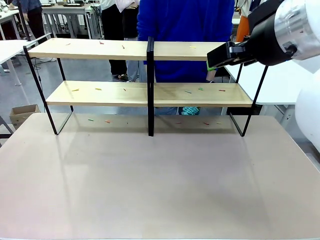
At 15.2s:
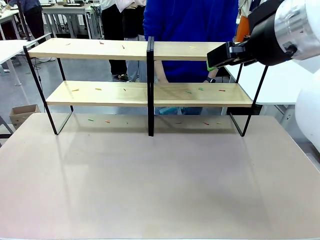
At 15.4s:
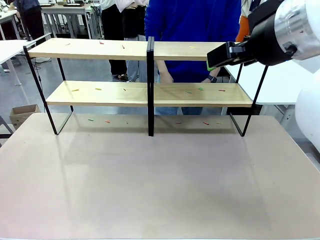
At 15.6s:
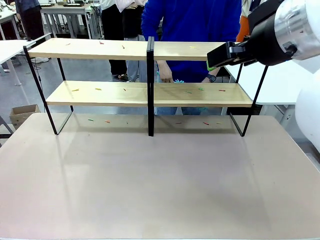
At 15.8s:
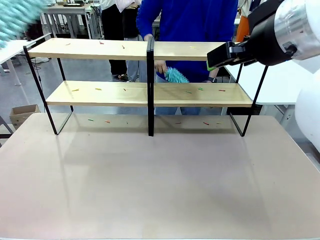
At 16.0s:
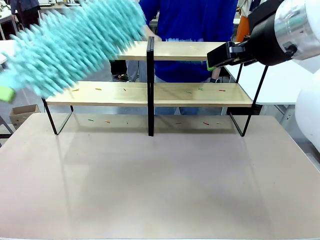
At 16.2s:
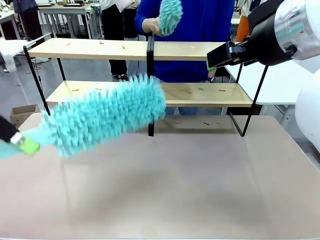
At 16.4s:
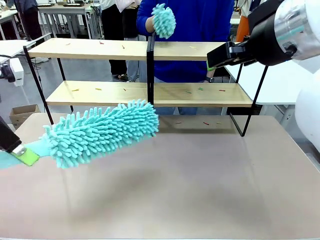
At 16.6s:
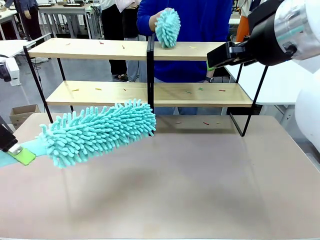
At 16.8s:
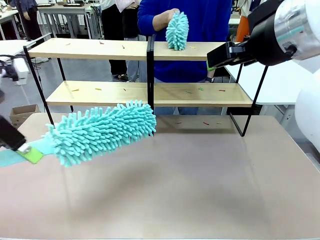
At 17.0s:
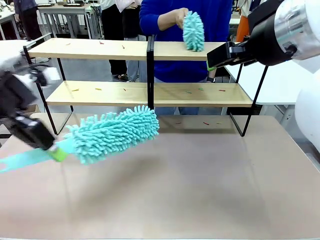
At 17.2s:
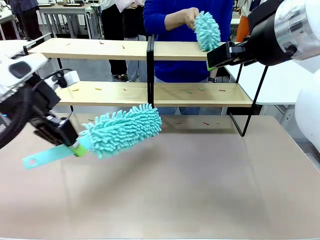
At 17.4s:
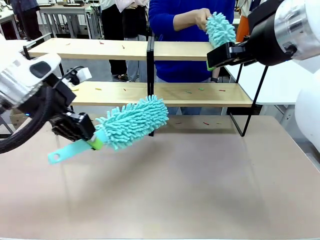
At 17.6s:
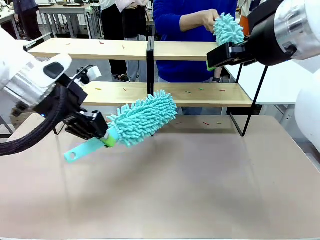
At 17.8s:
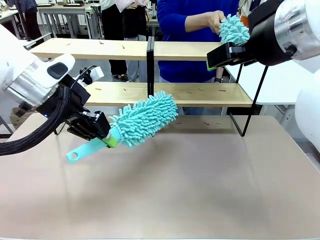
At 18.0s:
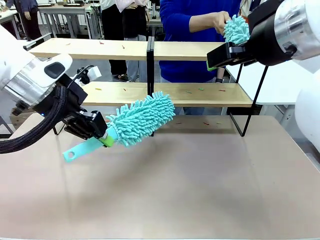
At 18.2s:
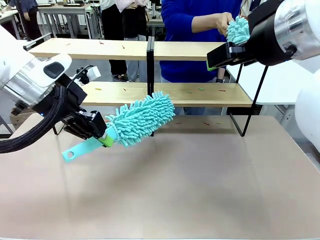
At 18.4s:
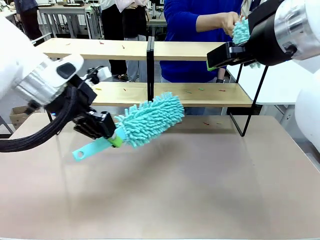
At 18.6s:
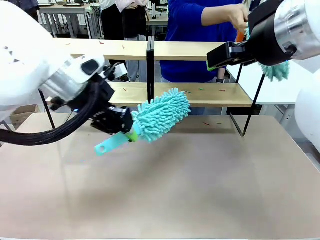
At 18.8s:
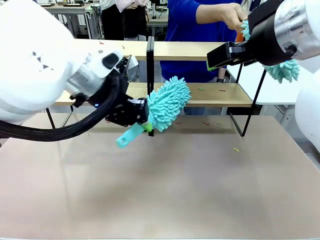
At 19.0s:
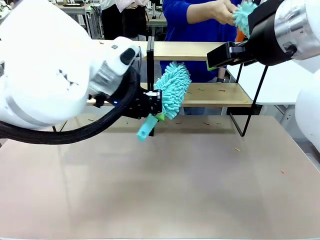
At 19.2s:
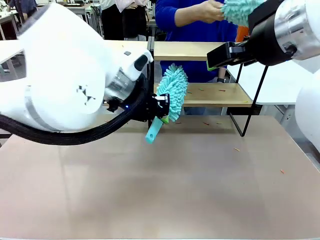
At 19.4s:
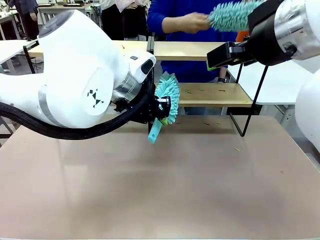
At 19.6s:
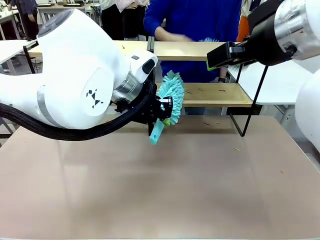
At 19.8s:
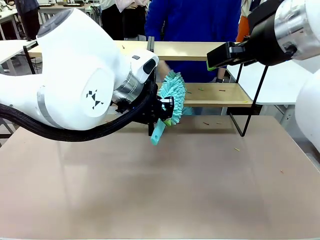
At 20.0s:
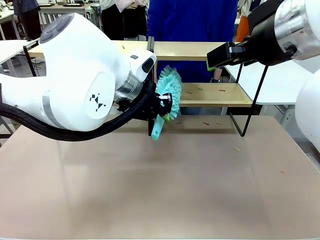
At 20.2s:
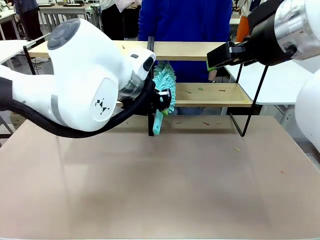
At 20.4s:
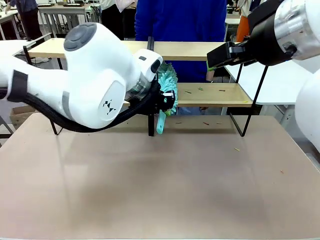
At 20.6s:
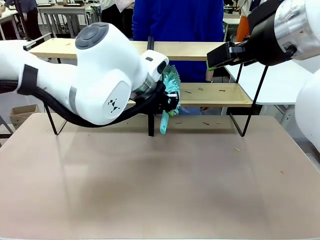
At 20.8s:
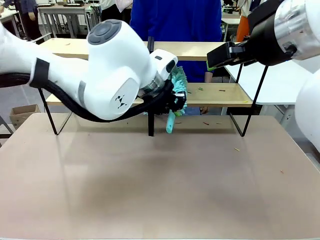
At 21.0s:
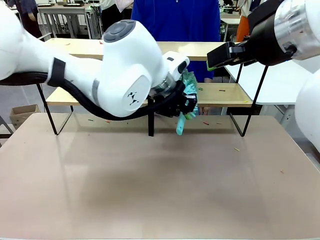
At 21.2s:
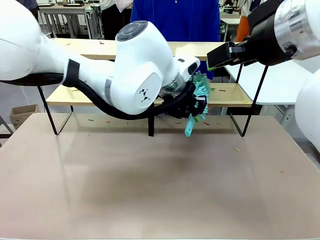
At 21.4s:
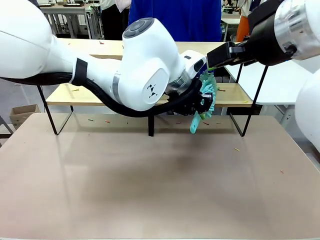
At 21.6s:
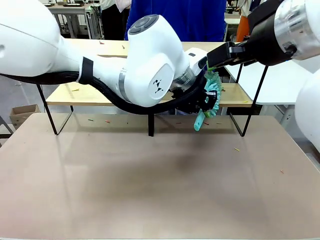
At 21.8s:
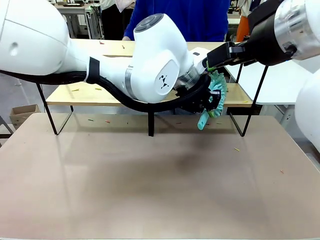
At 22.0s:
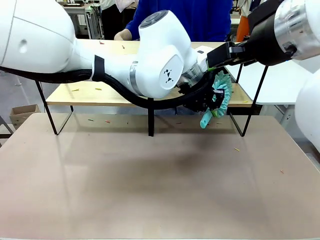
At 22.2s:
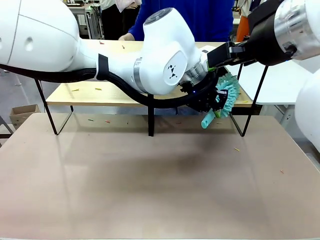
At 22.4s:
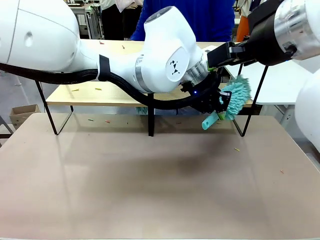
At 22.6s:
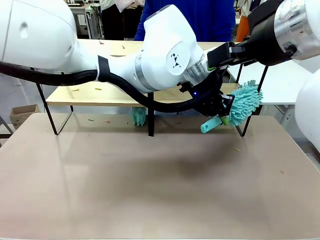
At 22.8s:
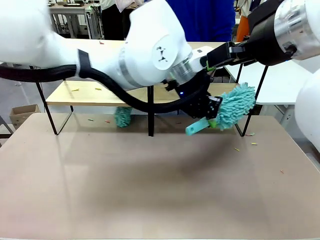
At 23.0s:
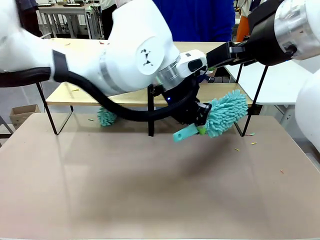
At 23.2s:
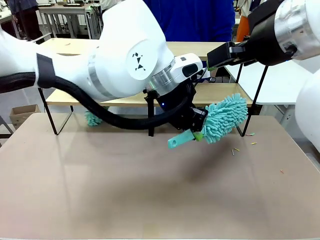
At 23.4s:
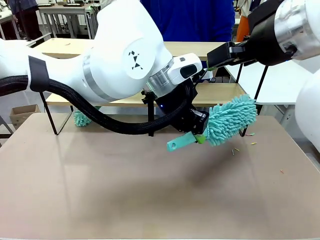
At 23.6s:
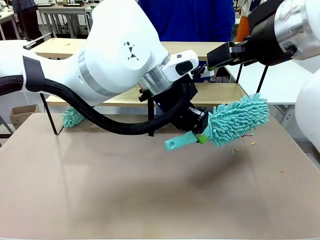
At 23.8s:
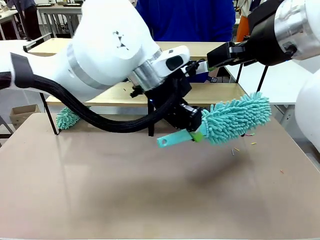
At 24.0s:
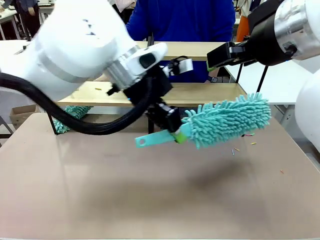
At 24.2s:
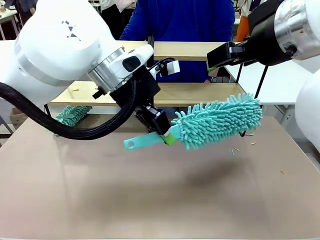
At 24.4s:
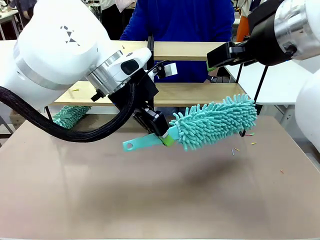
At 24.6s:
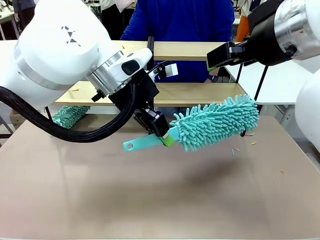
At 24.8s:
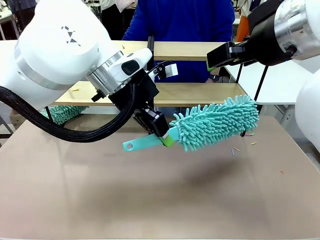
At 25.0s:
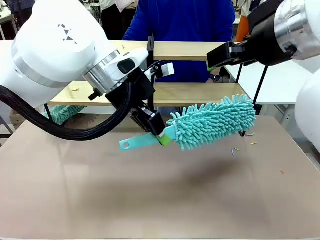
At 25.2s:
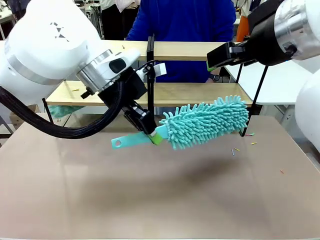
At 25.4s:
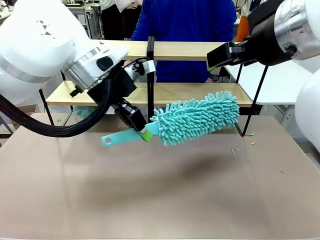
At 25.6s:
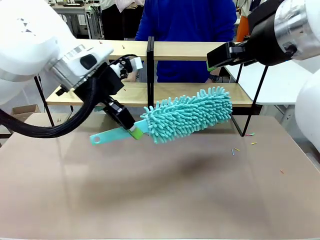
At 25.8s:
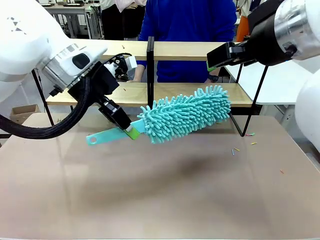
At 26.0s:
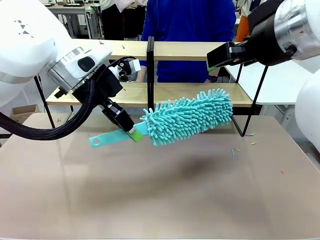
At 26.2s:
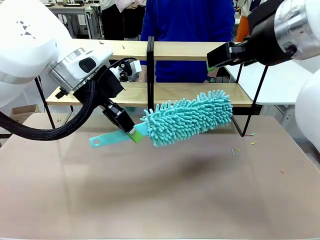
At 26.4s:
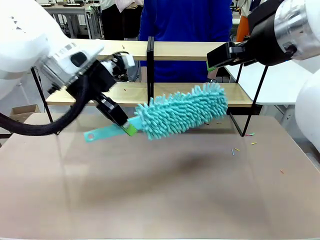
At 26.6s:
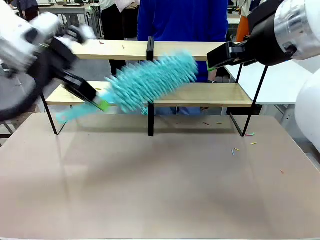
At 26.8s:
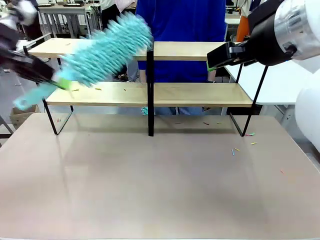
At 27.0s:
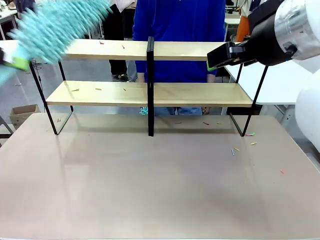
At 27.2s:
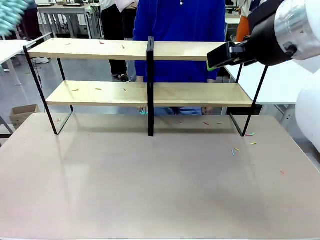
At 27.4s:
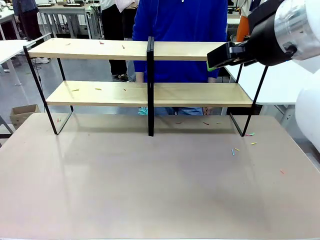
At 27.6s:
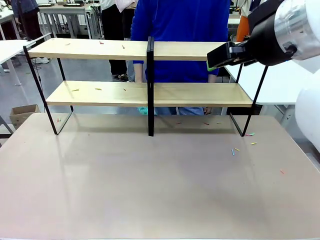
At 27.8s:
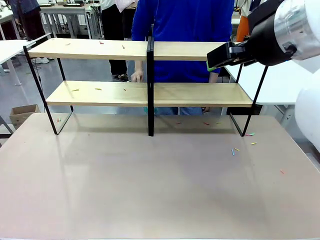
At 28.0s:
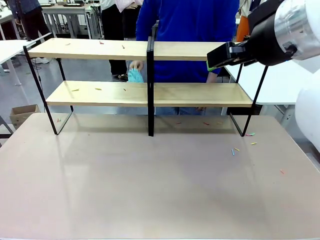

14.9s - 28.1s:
Task: Clean the shelves.
Robot: Clean a randomly selected level of the Shelf with the Duster.

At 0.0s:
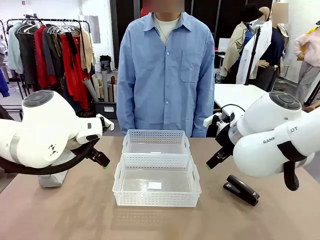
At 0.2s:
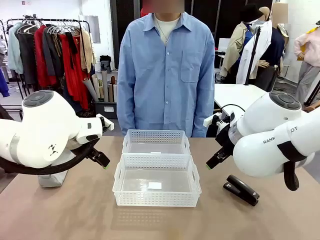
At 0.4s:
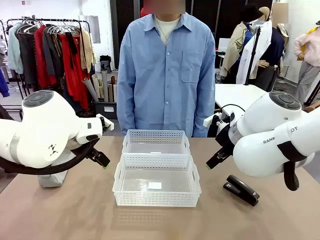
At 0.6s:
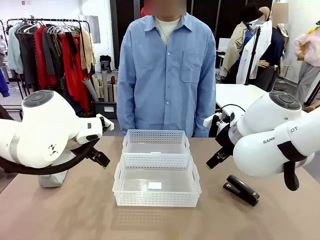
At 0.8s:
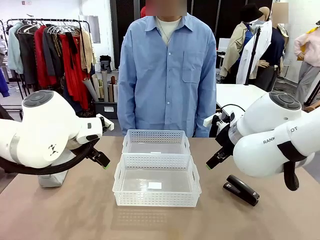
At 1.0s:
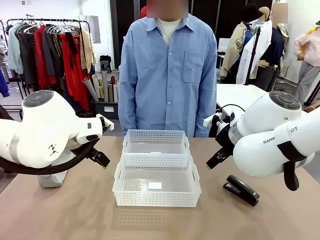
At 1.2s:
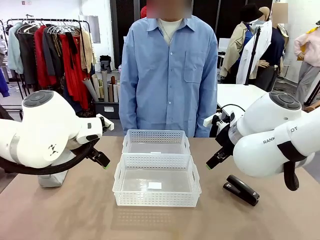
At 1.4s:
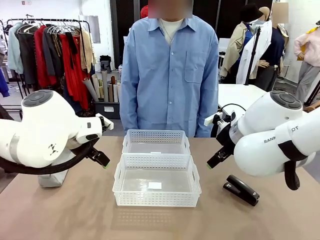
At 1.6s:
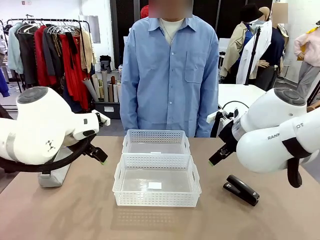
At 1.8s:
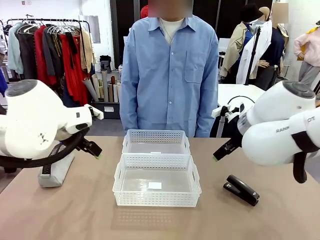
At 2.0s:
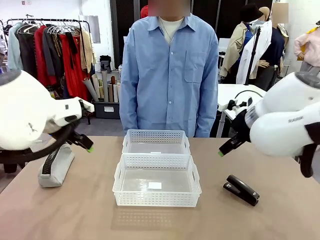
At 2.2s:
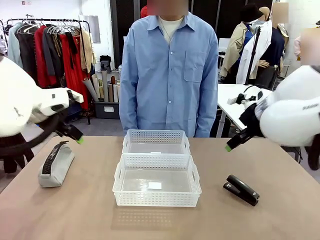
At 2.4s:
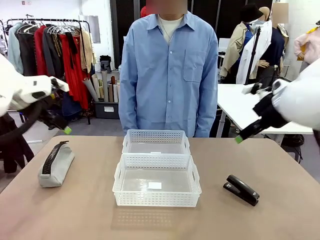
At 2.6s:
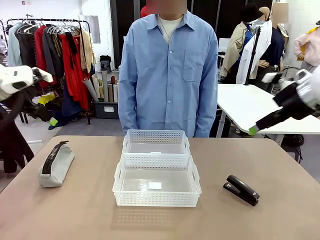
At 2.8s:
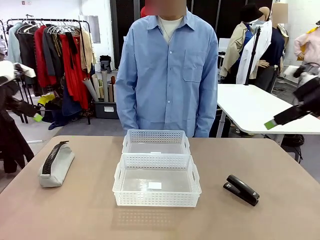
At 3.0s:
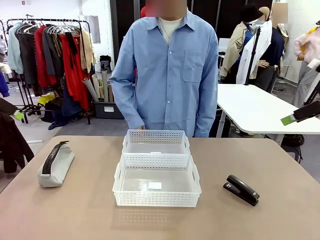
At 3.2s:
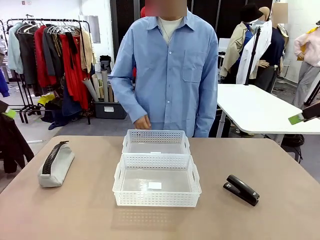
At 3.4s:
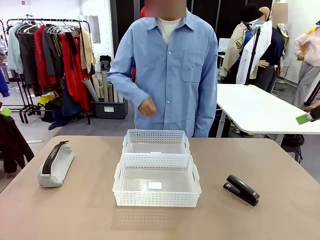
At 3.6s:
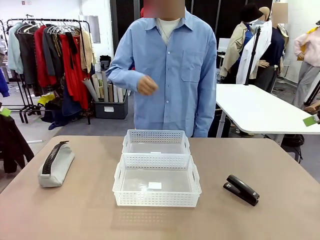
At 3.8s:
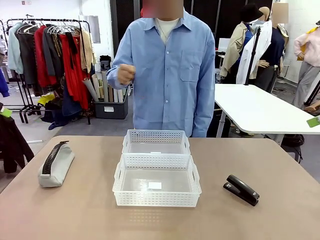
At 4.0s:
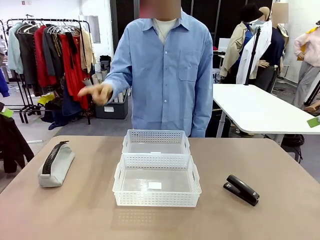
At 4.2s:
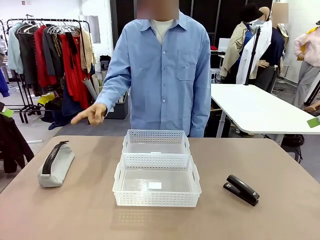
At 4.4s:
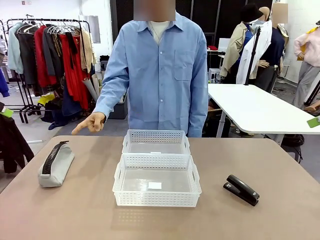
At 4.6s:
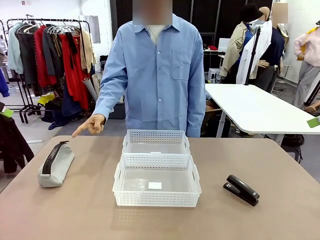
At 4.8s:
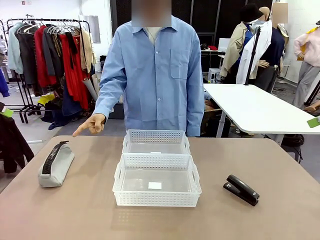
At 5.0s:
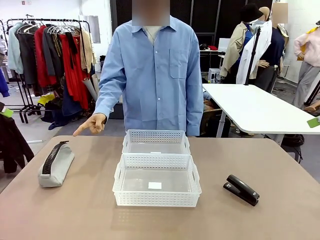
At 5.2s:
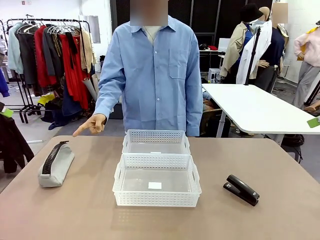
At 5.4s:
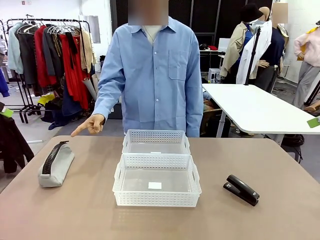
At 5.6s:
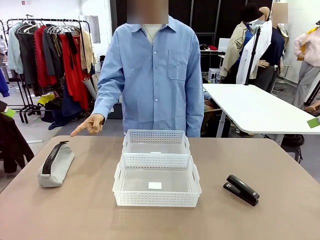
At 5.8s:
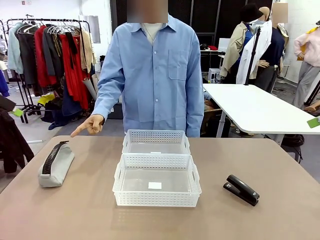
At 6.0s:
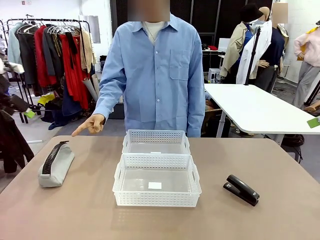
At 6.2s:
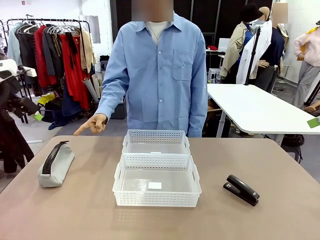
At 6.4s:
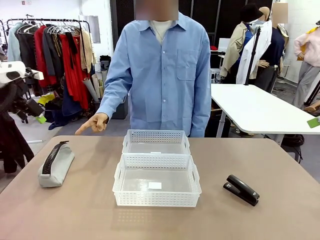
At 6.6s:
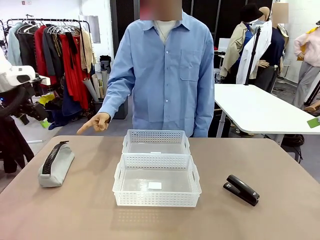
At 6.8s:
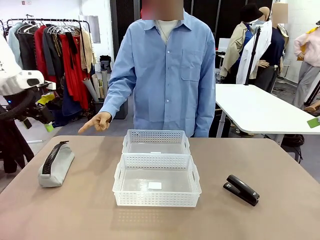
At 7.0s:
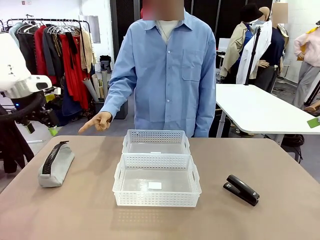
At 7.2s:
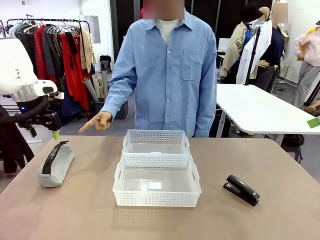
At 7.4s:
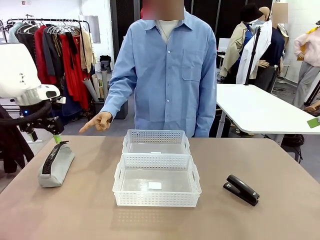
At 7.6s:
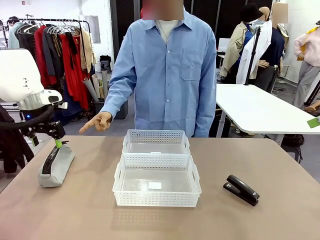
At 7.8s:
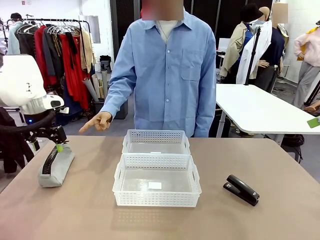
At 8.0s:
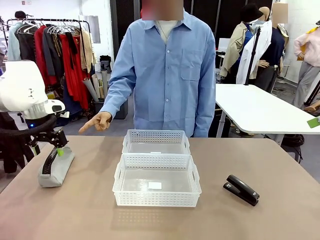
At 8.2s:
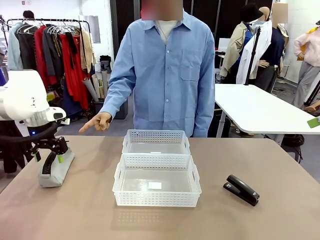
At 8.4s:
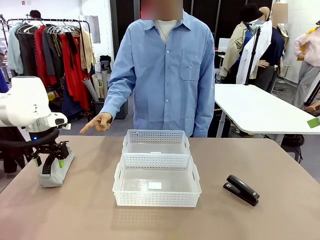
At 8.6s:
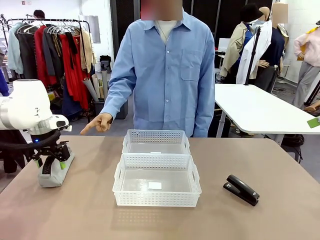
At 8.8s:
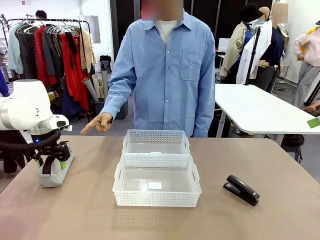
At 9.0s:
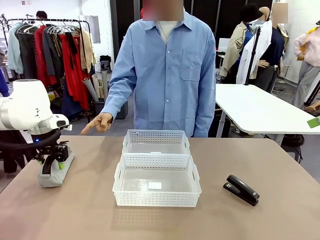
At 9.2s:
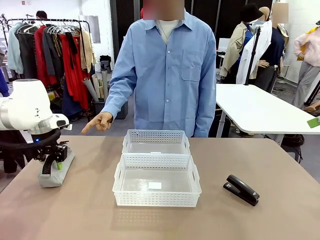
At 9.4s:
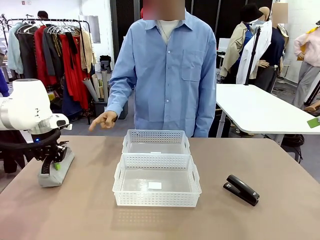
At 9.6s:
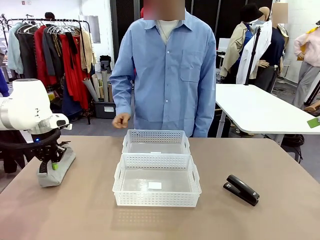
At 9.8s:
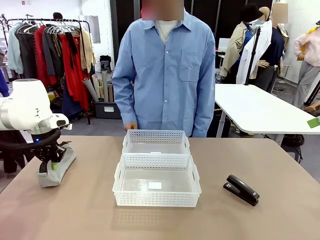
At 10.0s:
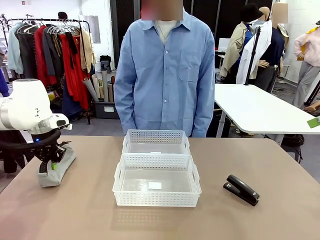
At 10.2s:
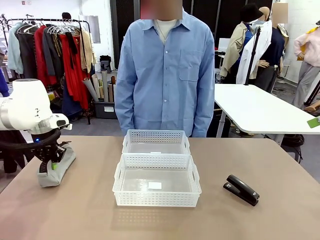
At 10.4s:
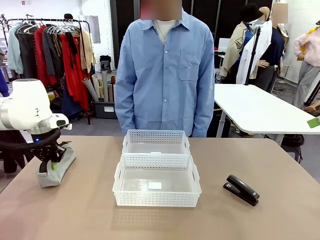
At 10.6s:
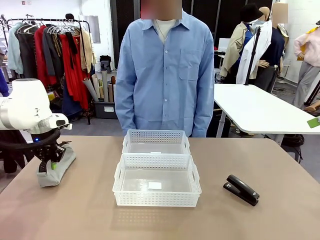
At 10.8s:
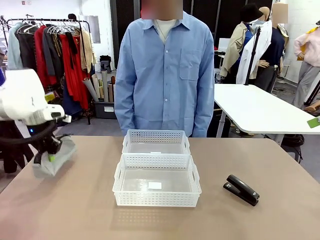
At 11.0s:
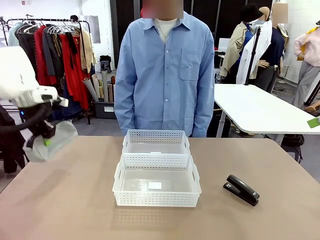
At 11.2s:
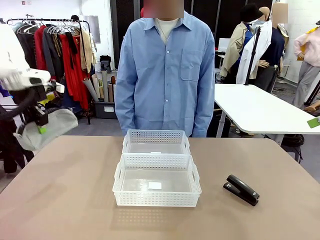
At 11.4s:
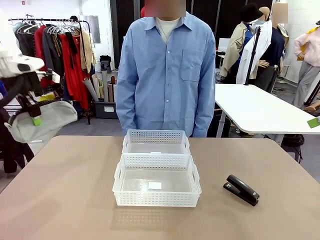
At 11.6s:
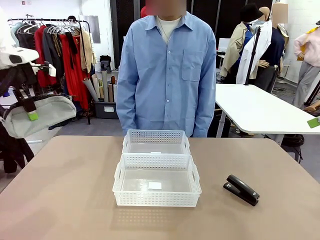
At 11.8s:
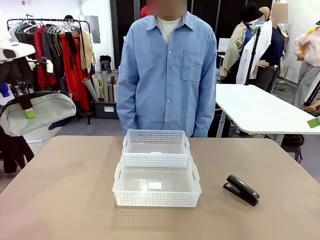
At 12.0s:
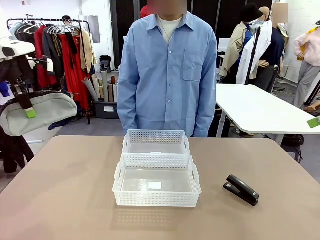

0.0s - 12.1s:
Task: Distribute items into two baskets.
Robot: Pick up the Pencil pouch that the person points to.
Person: Points to the pencil case. Points between the two organizing baskets and instructs the robot to move the pencil case.
